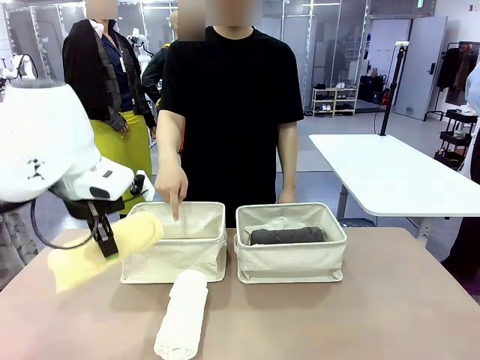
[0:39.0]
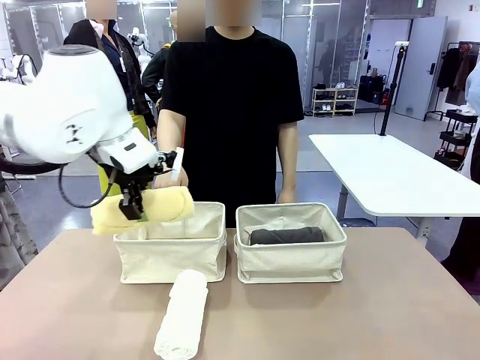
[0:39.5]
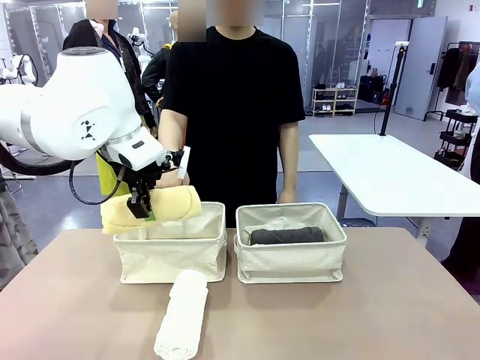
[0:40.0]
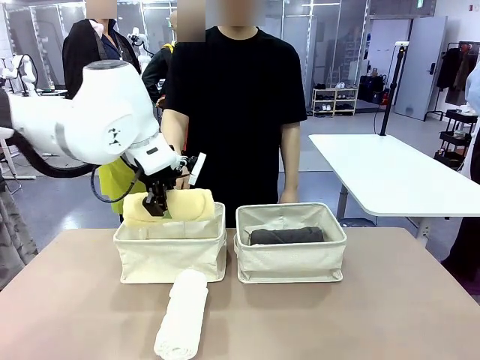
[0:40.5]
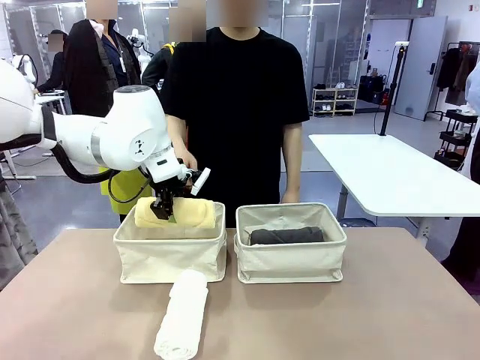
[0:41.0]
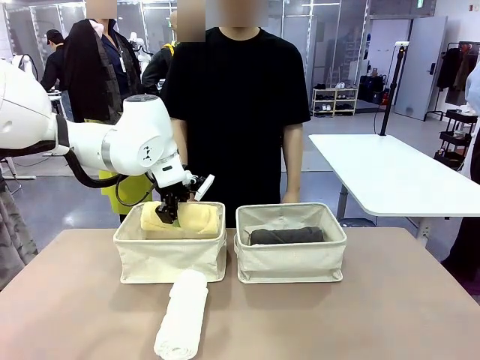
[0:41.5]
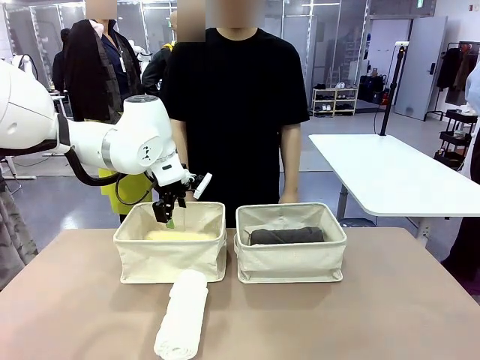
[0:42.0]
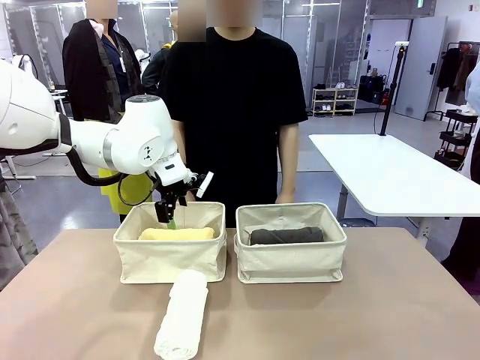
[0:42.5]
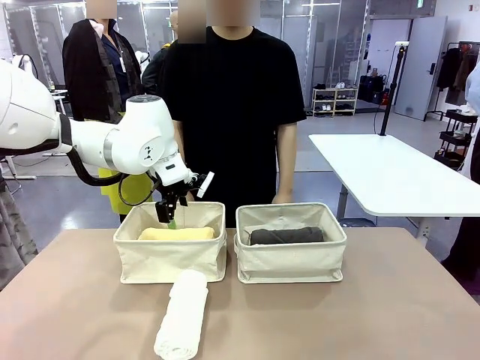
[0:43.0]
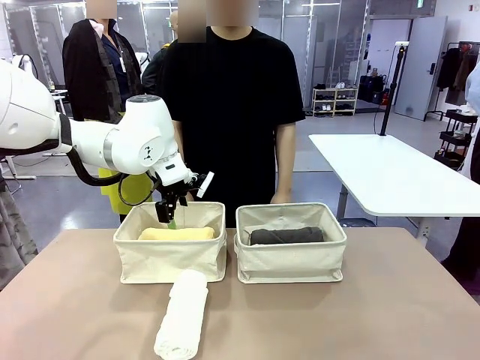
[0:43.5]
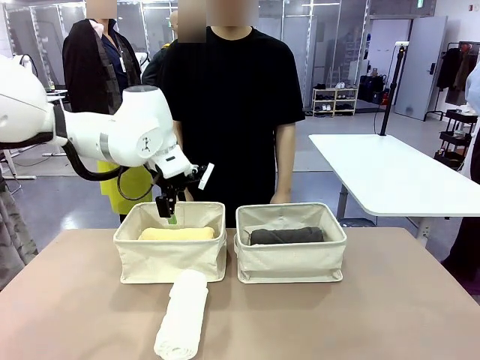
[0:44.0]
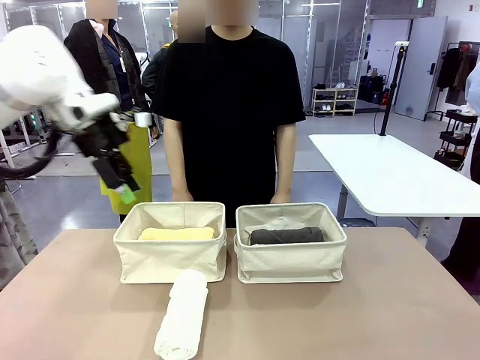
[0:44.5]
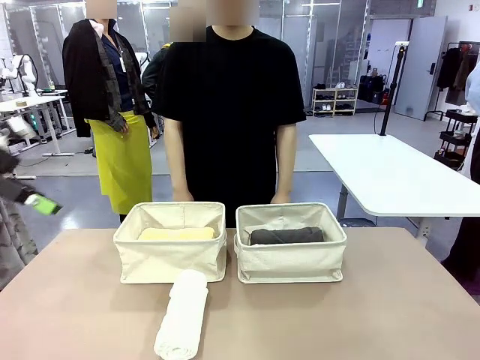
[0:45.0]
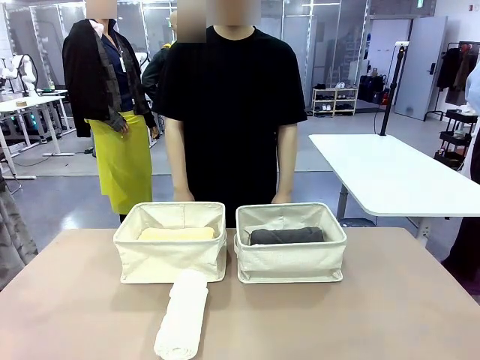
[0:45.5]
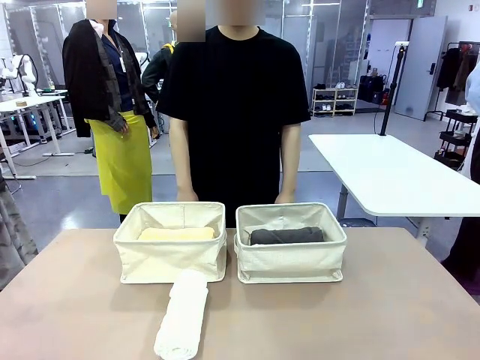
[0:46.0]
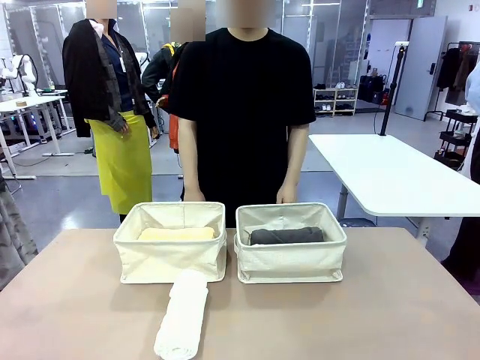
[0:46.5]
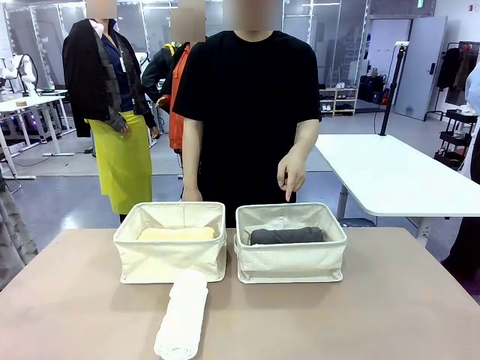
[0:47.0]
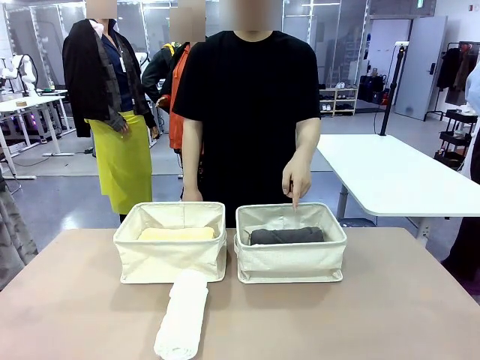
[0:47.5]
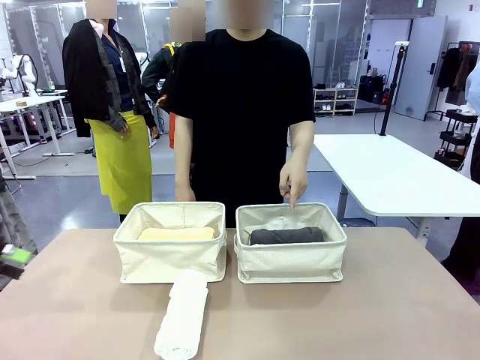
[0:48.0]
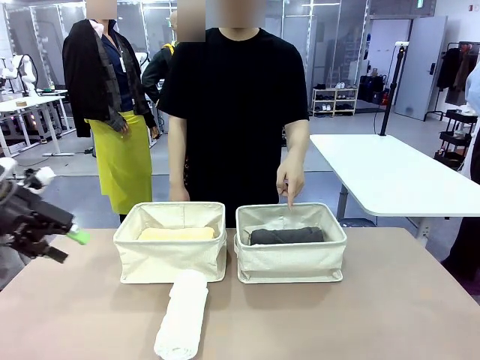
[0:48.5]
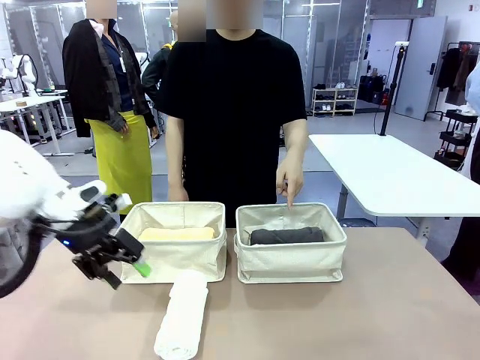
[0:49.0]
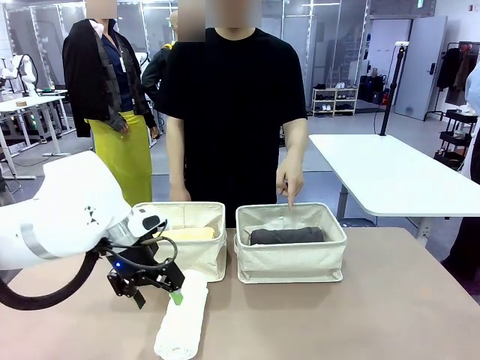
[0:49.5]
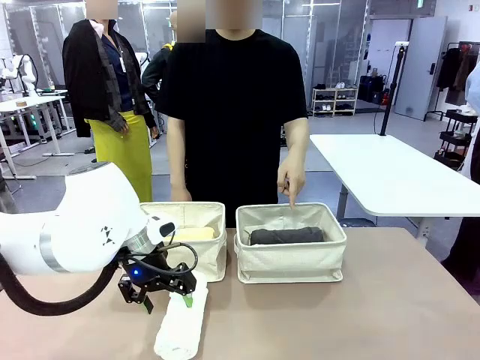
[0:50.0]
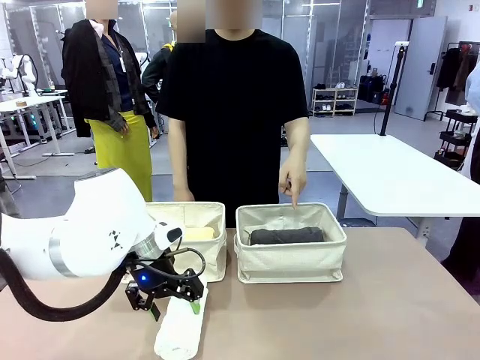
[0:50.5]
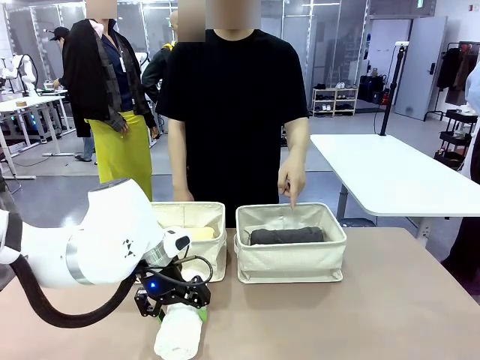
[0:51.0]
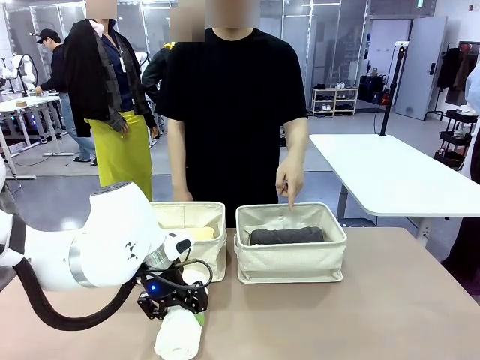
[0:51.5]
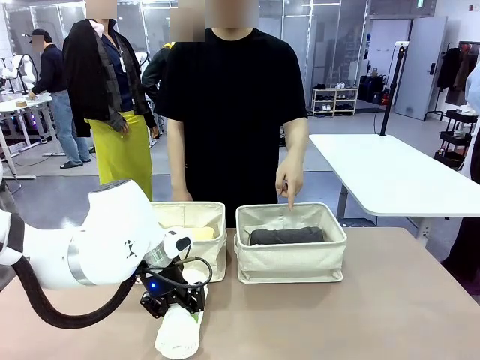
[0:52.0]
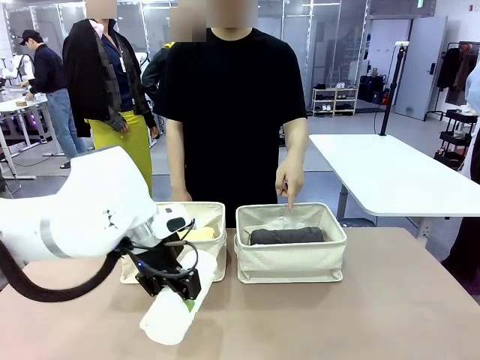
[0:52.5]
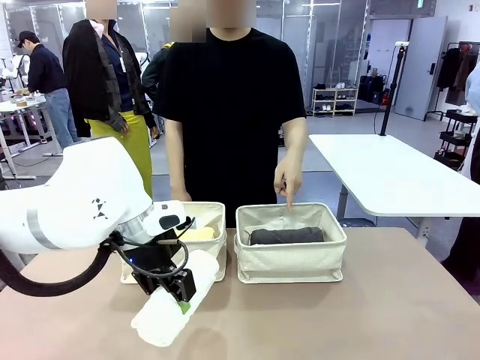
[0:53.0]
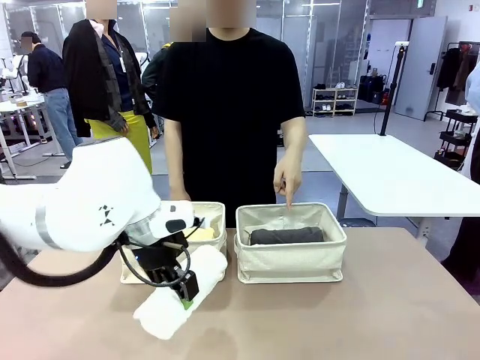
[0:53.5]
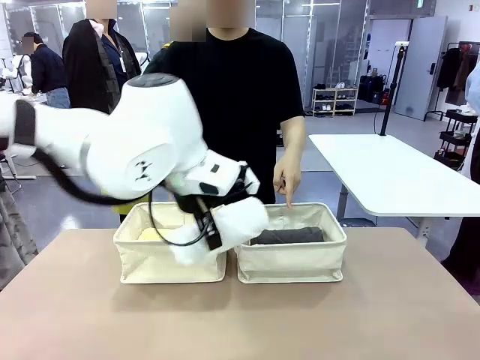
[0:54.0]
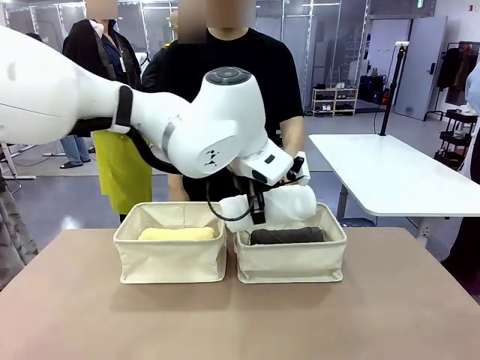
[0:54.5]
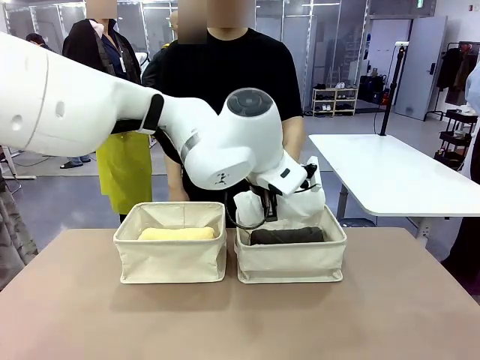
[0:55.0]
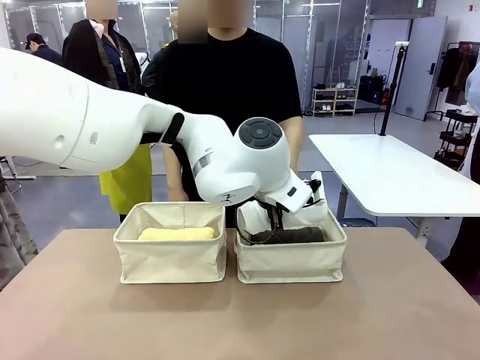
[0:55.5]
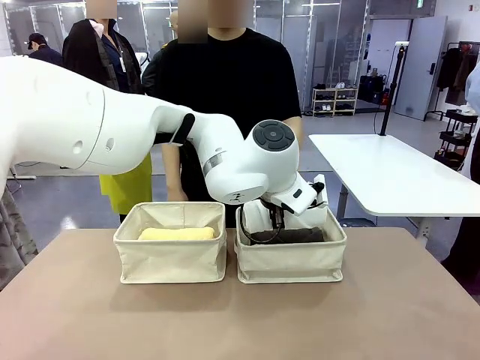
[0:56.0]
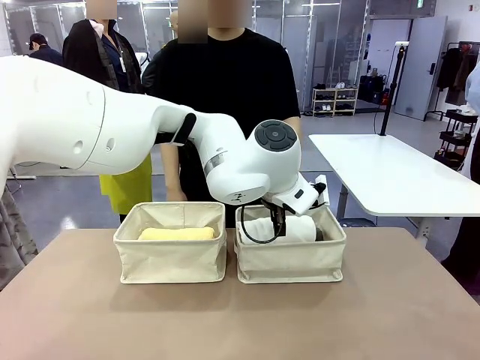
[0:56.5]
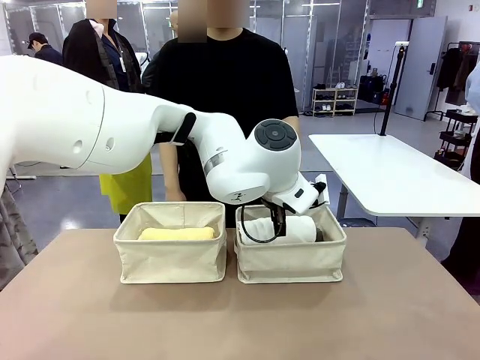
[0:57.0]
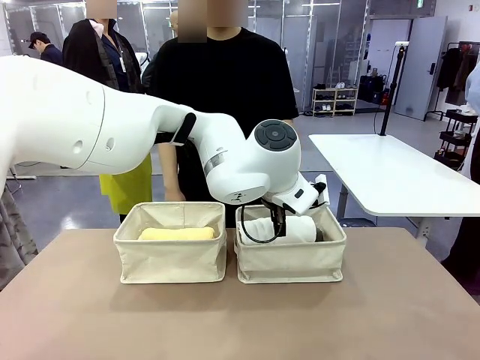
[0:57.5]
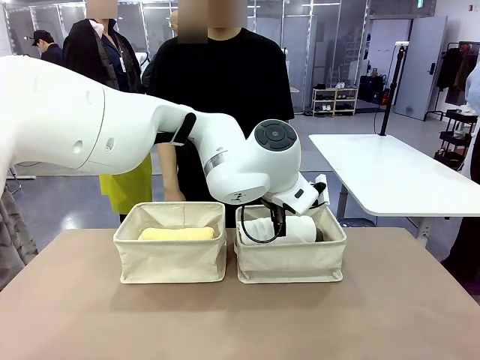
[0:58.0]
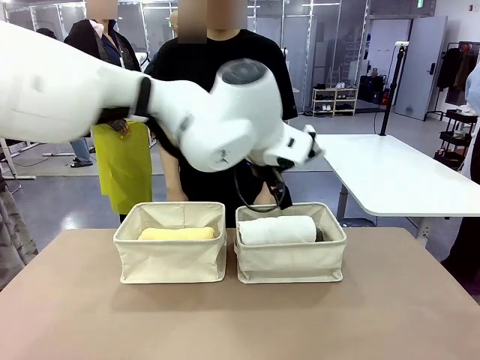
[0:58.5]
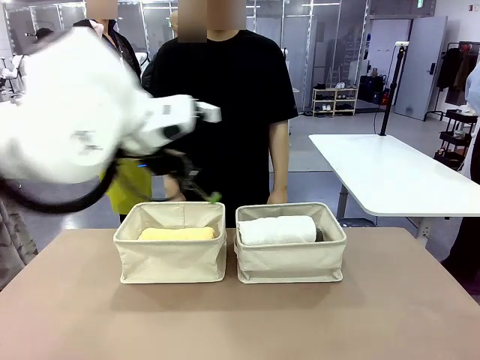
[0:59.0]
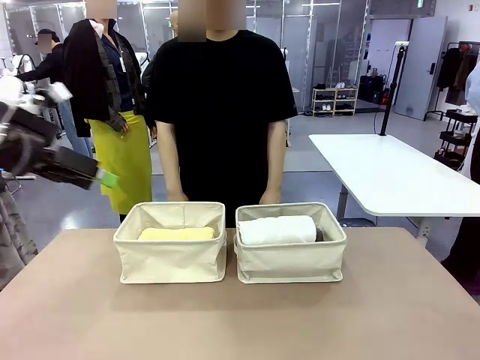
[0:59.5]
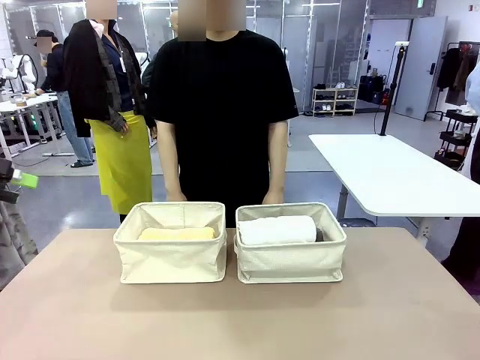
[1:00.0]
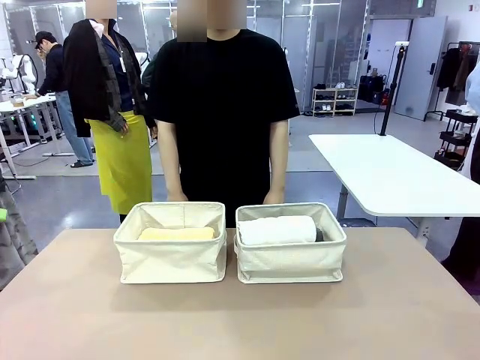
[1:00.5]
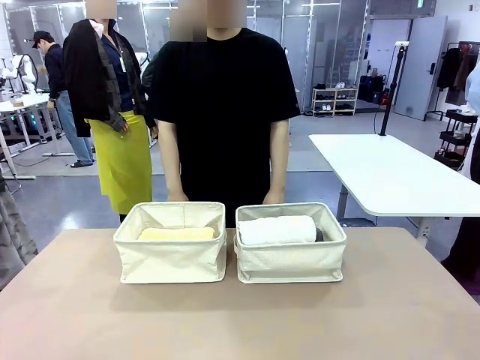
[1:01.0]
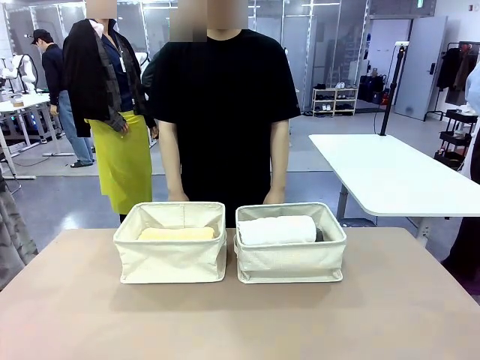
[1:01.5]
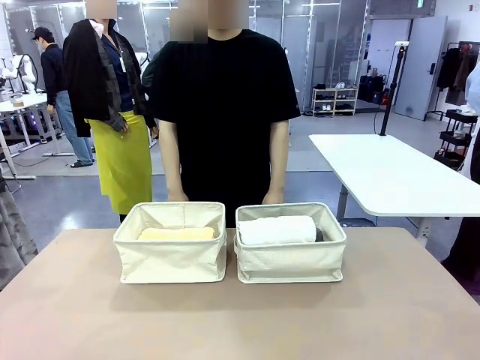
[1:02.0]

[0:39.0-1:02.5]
Task: Divide the towels into two baskets.
Robot: Pick up one hotel-folded towel from the bottom of the table and place it in the Fabric basket indicated by the person.

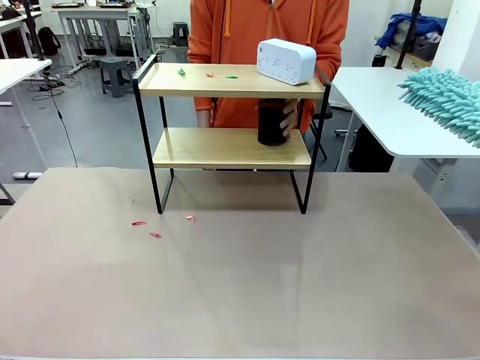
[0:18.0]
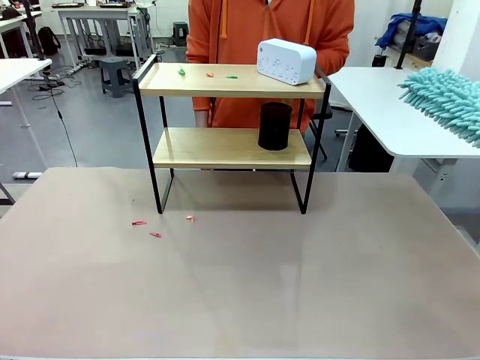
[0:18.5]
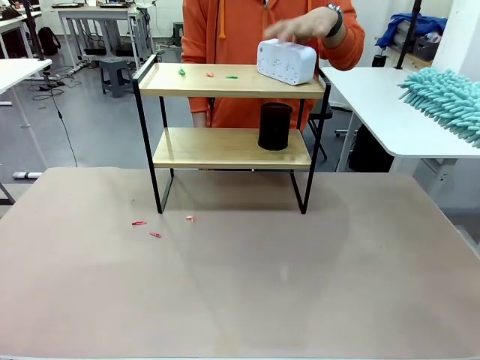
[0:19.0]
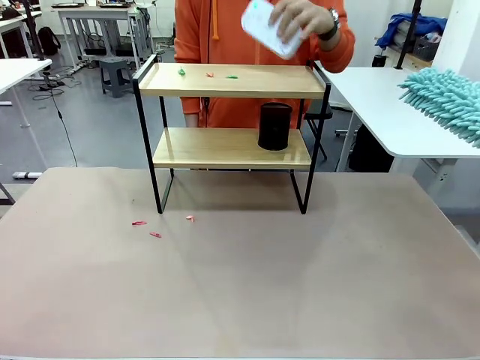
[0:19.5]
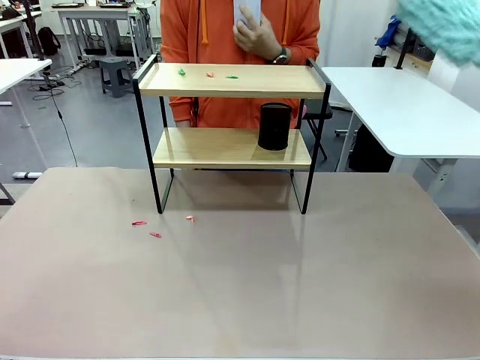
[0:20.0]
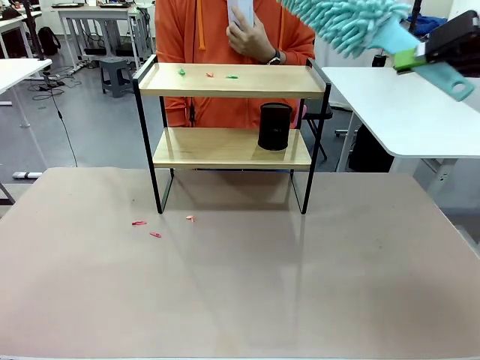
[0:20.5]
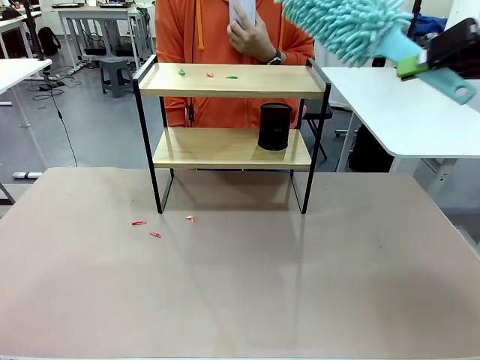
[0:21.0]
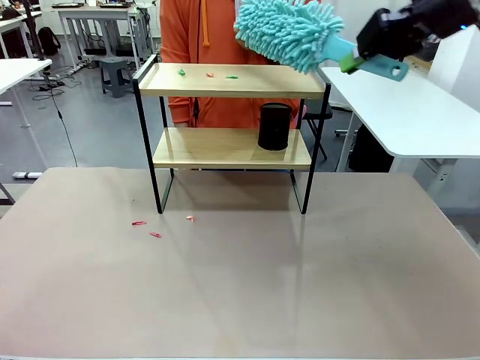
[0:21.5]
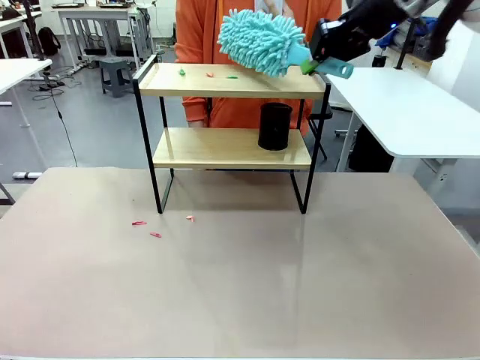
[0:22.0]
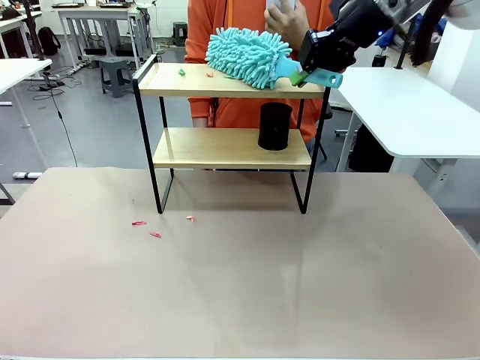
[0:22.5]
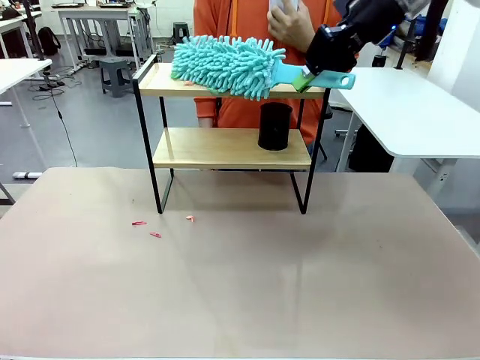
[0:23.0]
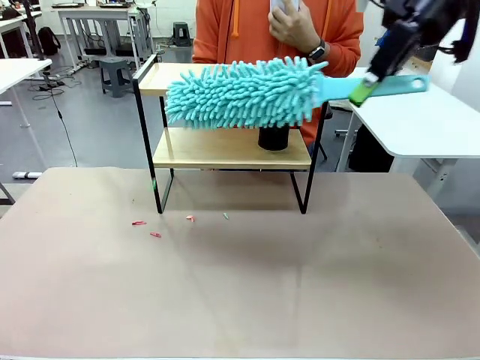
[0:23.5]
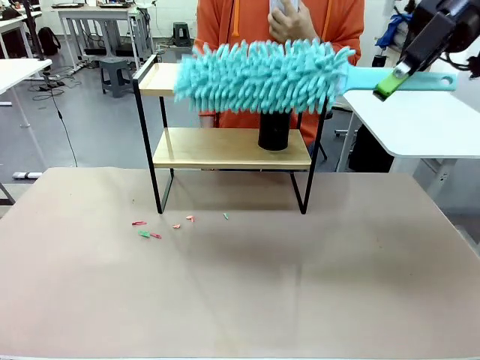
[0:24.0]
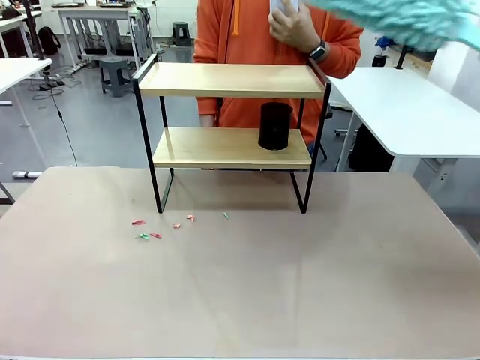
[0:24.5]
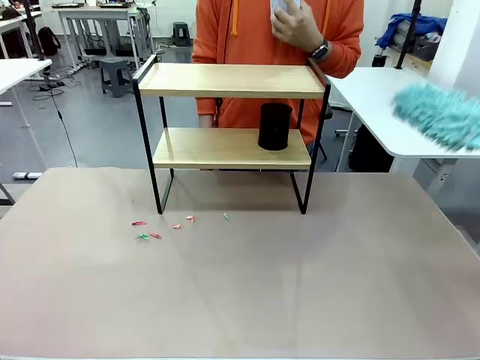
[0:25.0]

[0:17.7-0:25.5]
Task: Clean the shelf.
Robot: Clean the remaining tier of the Shelf with the Duster once objects are removed.
